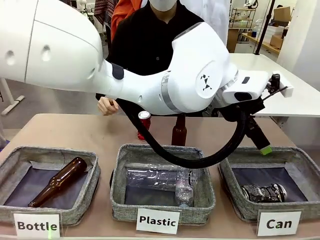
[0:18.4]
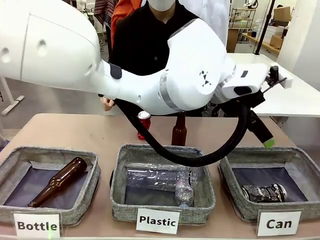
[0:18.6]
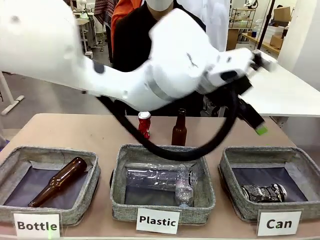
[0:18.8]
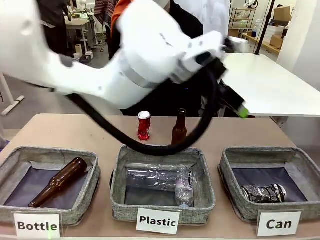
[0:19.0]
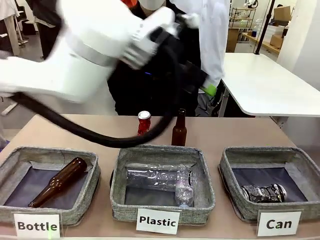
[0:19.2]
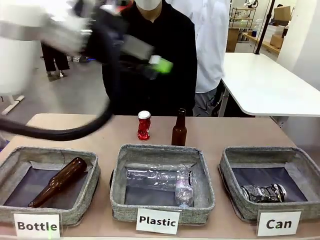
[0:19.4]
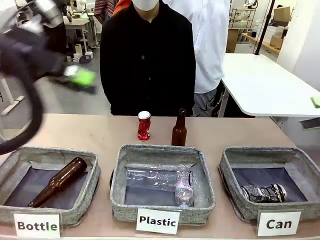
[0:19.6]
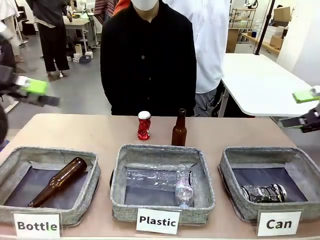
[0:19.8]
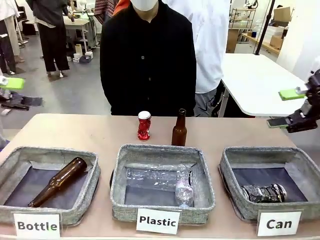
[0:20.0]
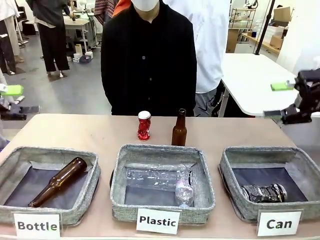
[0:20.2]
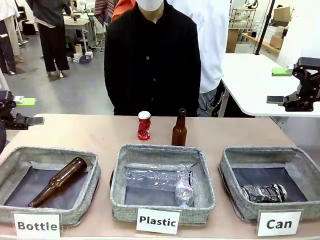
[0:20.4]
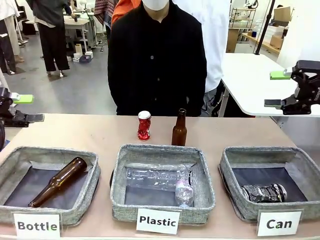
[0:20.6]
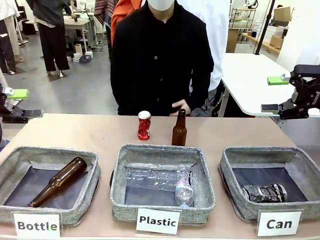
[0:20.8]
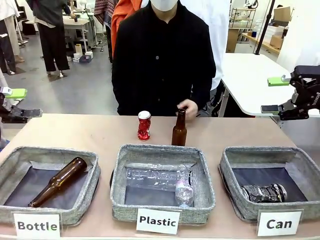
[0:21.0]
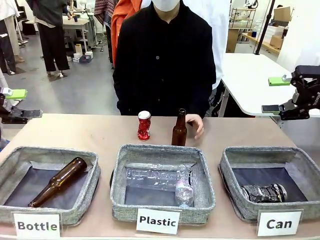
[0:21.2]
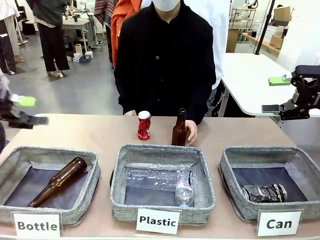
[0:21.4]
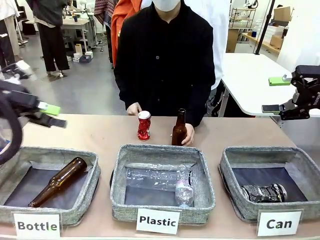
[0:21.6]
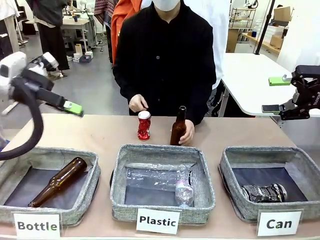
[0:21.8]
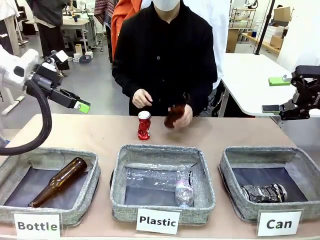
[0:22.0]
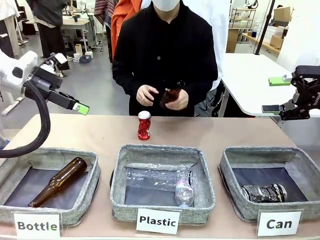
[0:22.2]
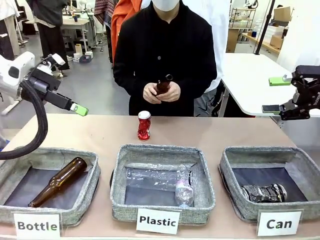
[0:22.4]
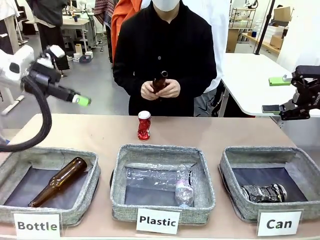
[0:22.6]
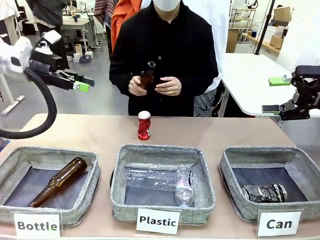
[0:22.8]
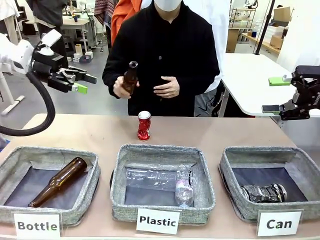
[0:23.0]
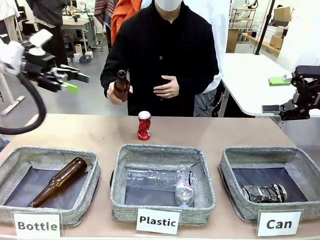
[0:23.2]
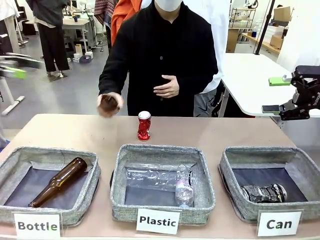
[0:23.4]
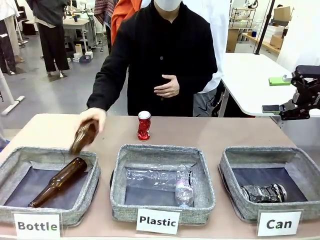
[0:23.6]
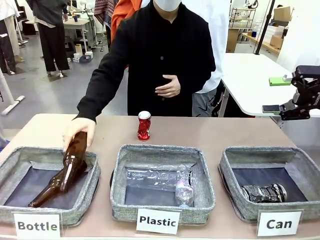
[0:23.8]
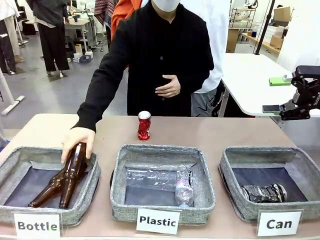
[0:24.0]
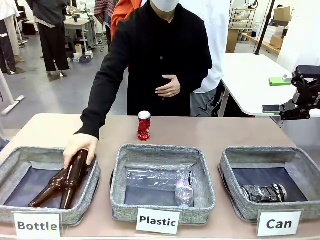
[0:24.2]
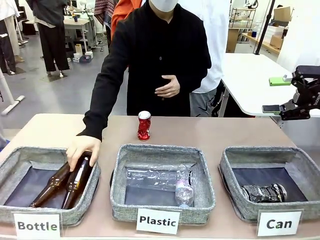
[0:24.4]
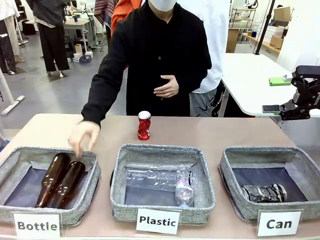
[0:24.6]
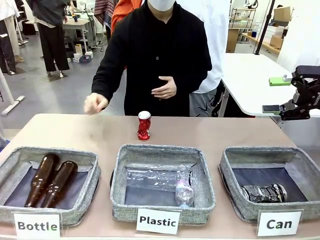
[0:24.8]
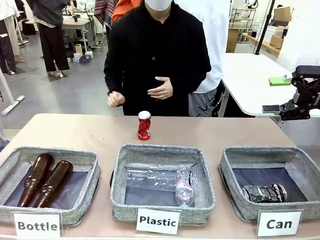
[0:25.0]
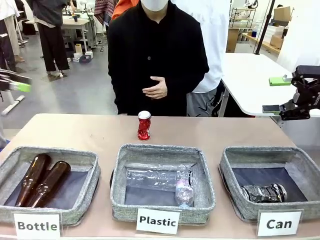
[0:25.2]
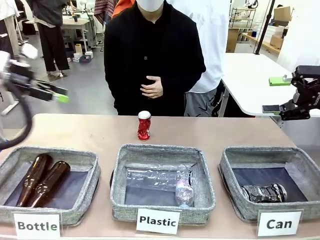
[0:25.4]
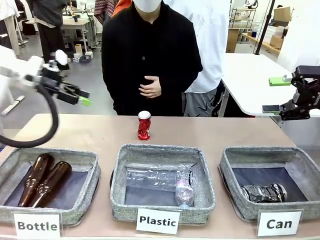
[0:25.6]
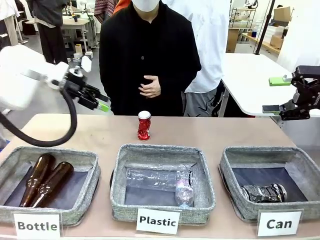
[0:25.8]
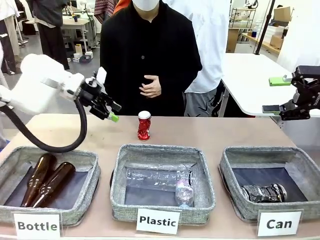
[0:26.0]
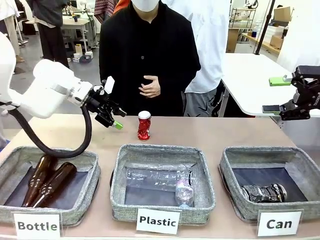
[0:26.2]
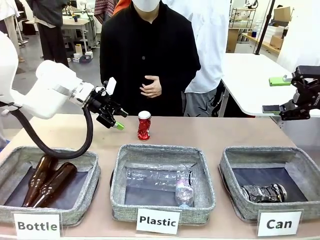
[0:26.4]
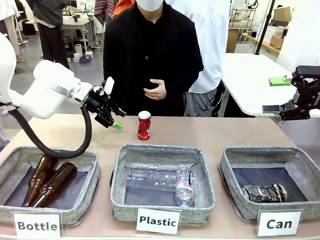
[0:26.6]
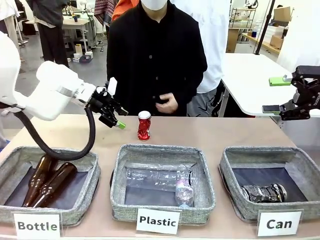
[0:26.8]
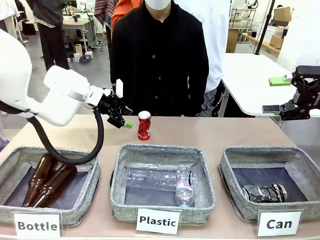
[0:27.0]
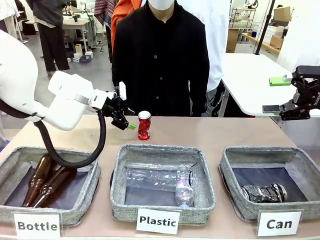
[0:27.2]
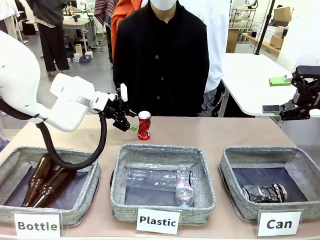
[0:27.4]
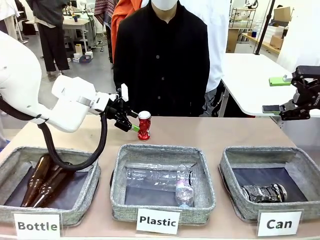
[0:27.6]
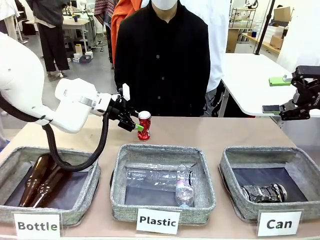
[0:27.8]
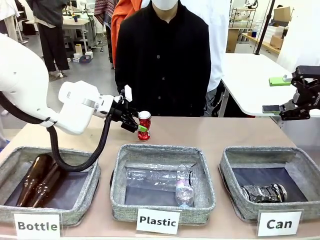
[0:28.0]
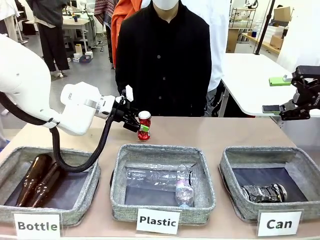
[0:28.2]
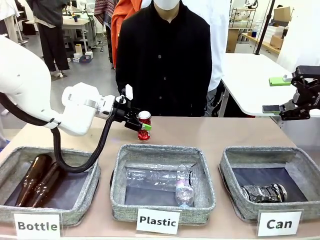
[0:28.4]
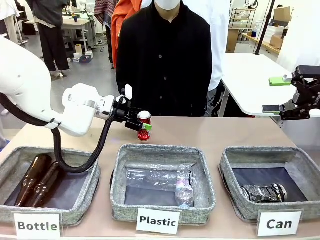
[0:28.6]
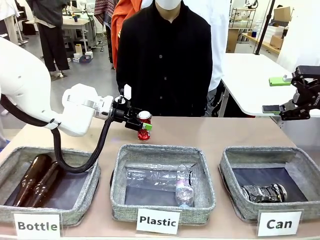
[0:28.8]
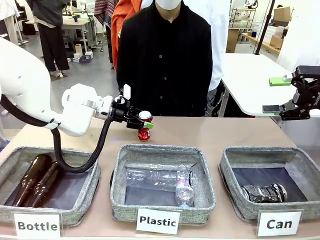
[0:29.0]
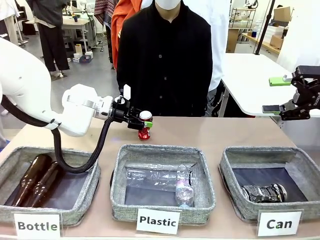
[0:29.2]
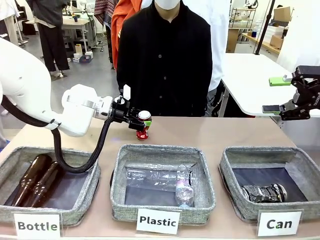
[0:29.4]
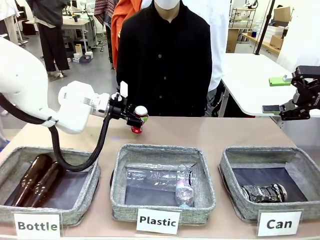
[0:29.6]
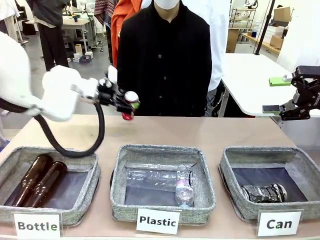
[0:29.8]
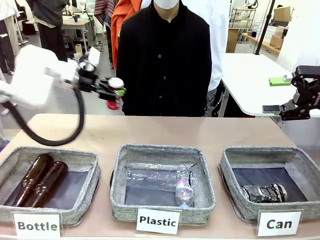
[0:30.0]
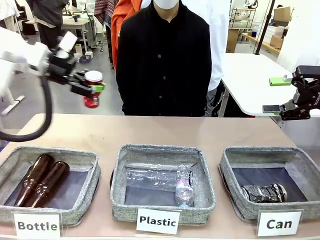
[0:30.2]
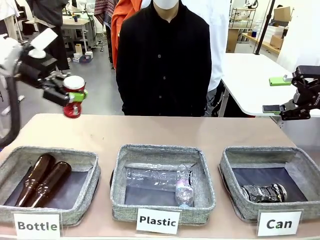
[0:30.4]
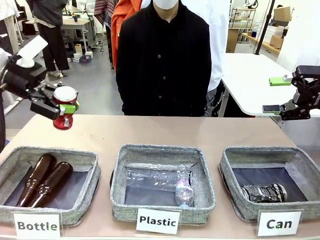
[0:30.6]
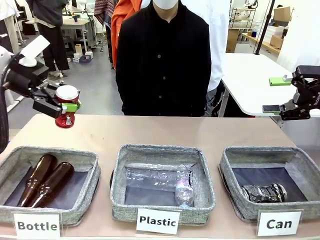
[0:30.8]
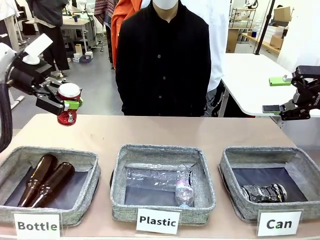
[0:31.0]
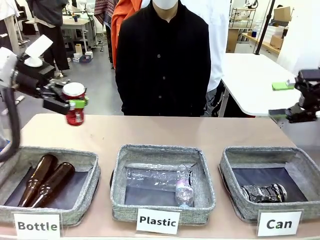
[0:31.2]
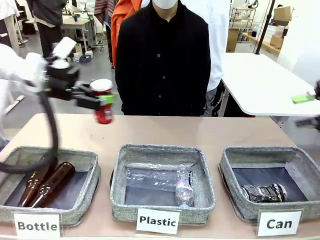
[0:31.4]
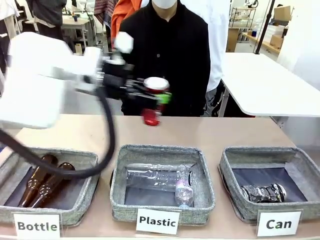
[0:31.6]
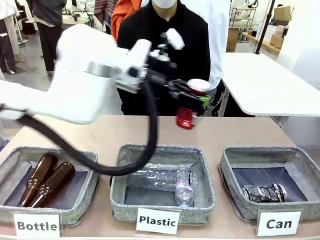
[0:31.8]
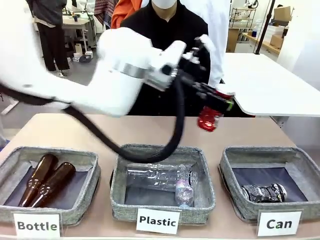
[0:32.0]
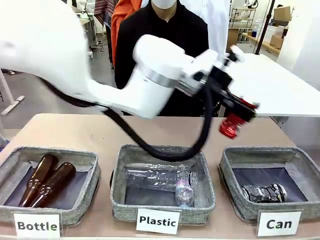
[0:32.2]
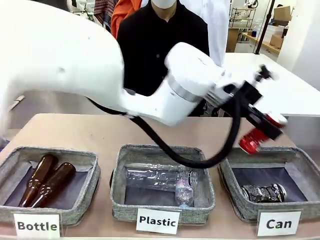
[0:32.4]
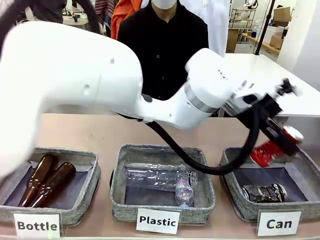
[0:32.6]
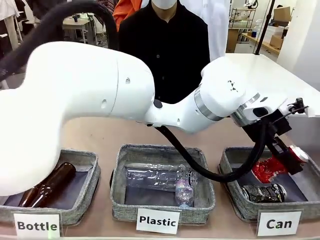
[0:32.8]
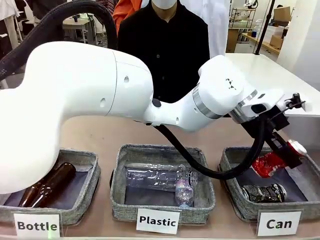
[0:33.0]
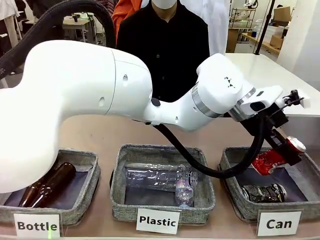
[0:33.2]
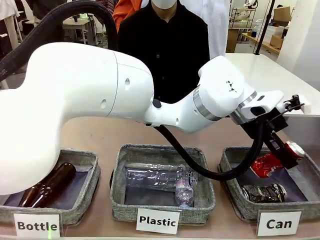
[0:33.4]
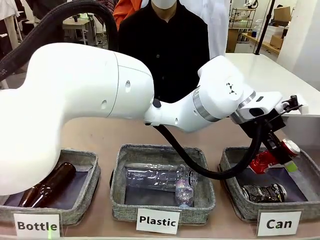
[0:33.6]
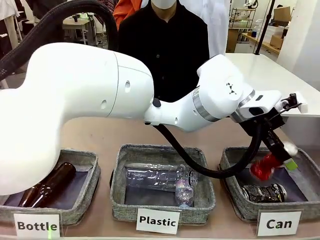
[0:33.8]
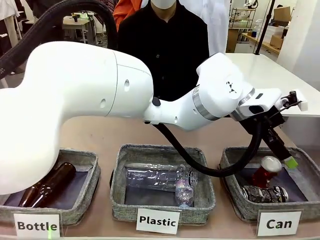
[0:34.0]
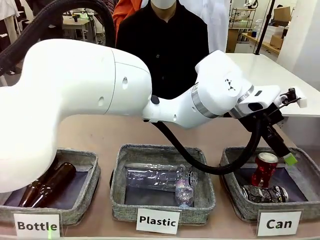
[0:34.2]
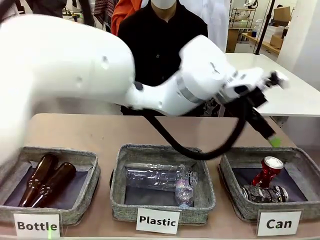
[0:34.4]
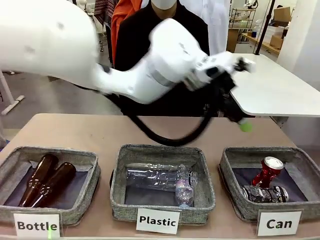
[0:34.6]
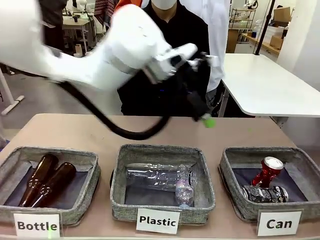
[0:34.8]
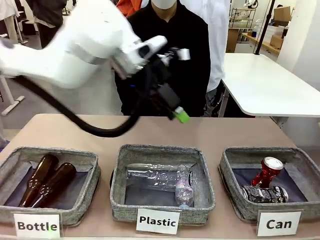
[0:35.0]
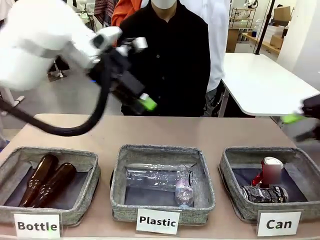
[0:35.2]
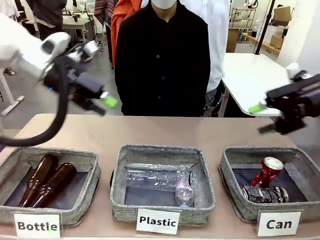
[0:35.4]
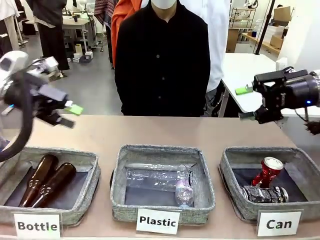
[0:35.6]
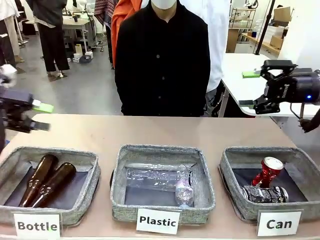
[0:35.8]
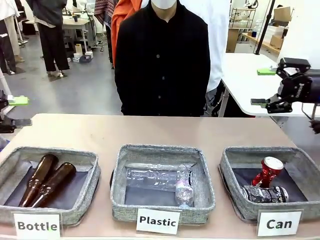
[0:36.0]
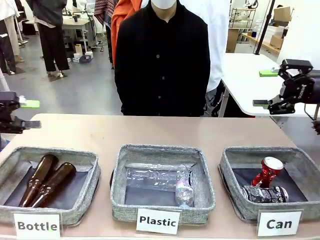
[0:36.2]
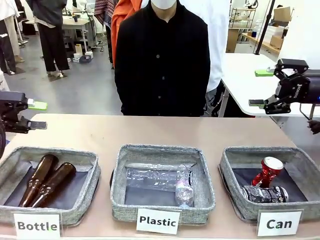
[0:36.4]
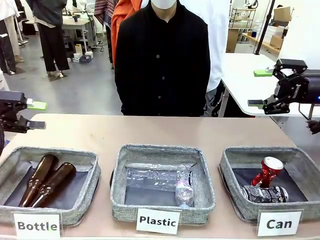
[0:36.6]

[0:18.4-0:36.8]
Task: Sort the can waste into the basket.
Robot: Pick up the can waste from the table and place it in the right Fabric basket.
